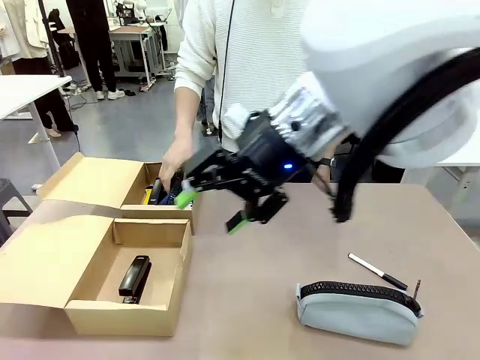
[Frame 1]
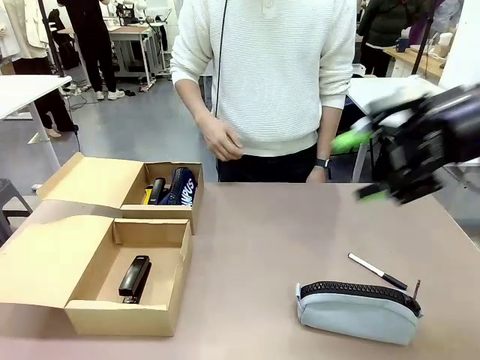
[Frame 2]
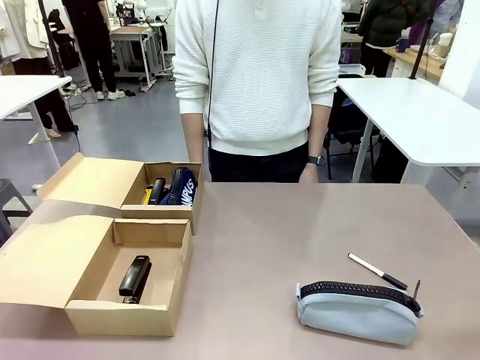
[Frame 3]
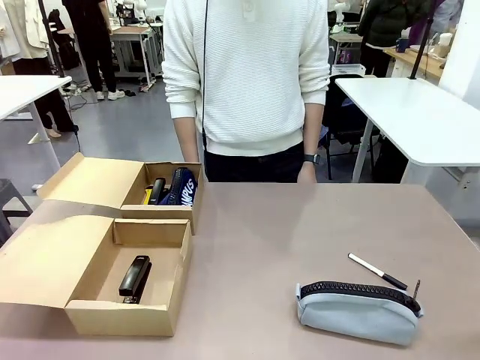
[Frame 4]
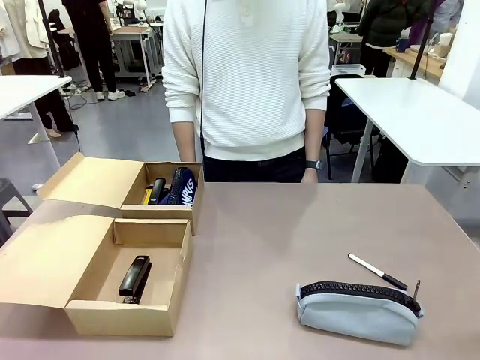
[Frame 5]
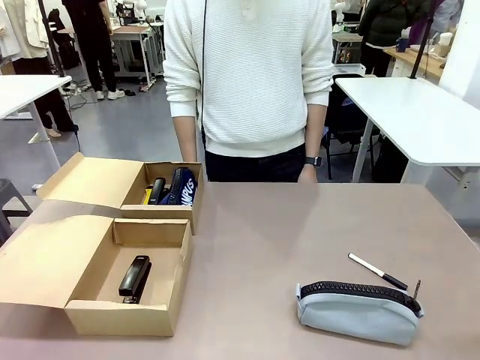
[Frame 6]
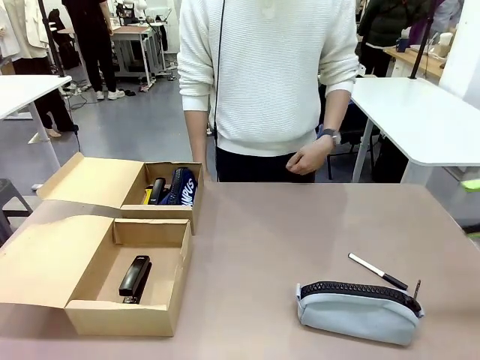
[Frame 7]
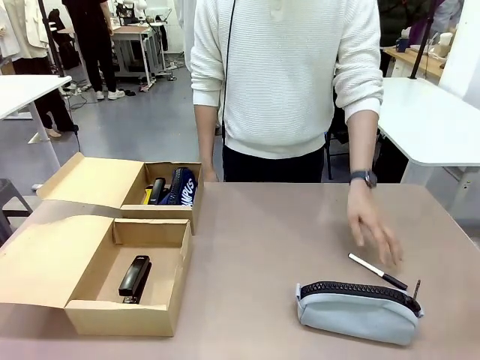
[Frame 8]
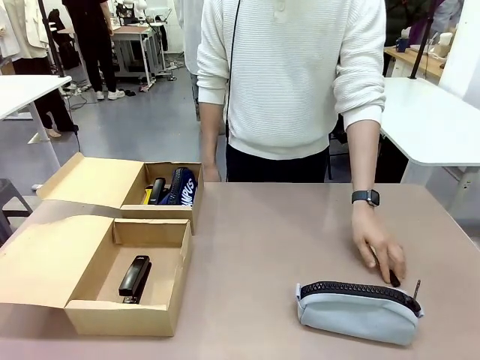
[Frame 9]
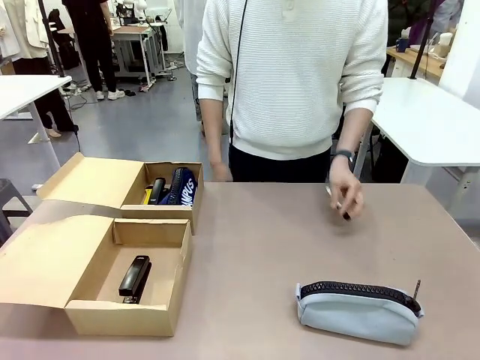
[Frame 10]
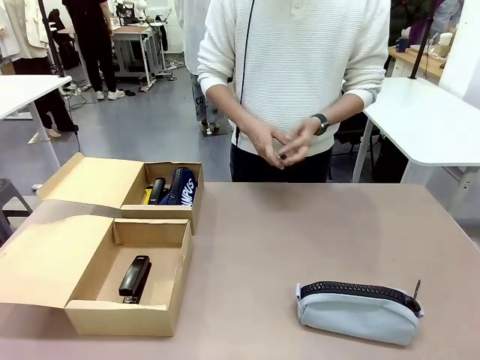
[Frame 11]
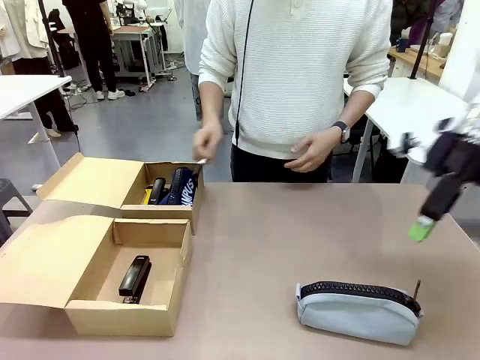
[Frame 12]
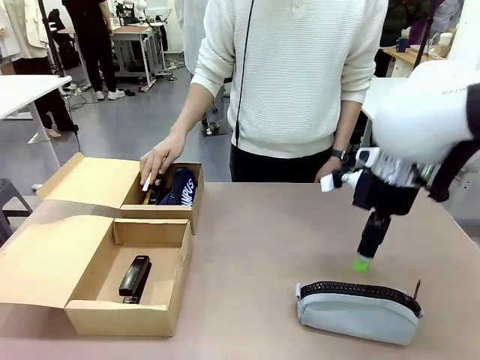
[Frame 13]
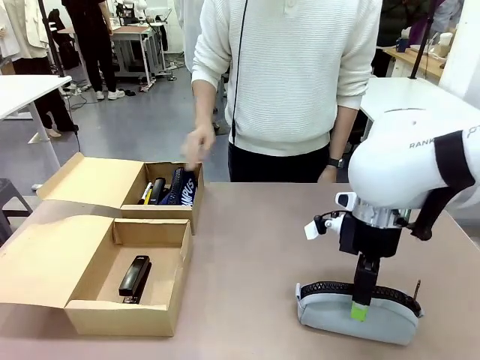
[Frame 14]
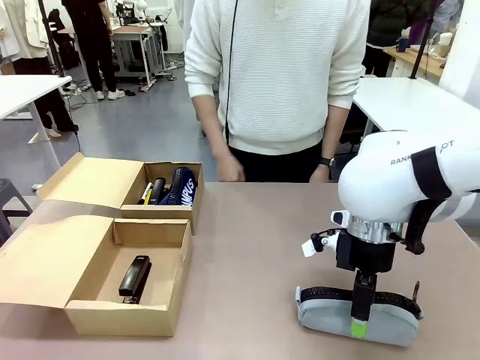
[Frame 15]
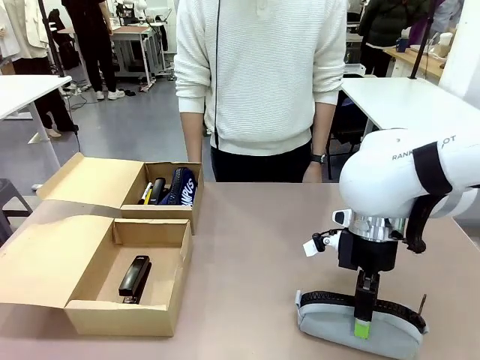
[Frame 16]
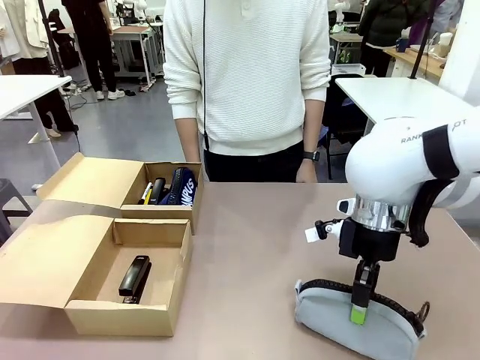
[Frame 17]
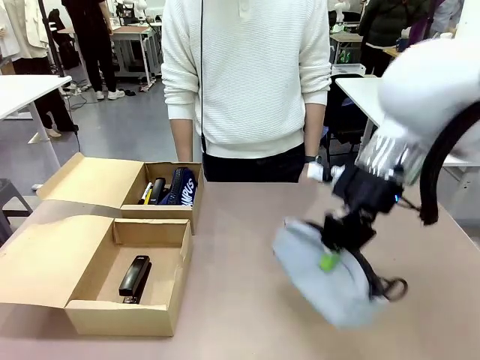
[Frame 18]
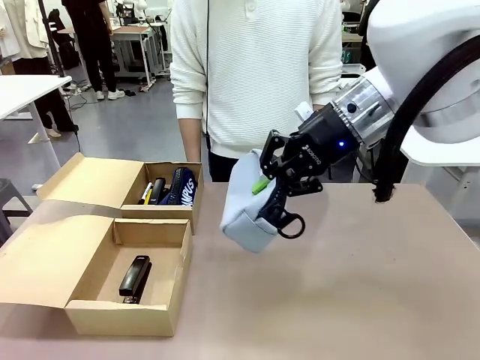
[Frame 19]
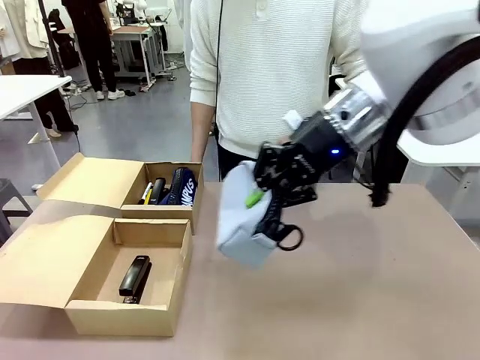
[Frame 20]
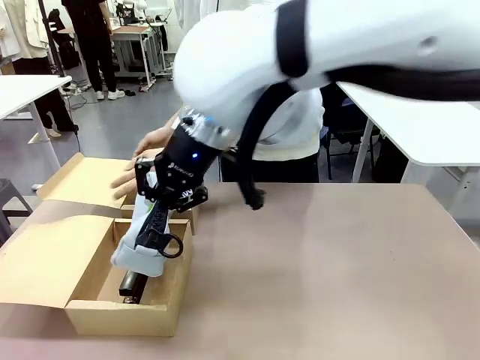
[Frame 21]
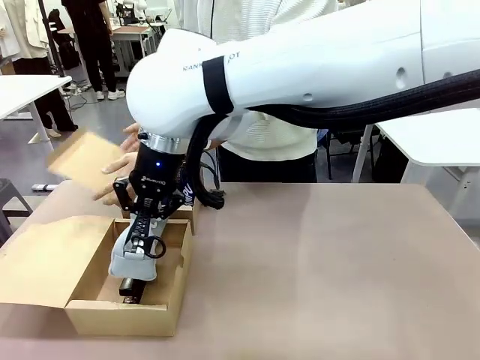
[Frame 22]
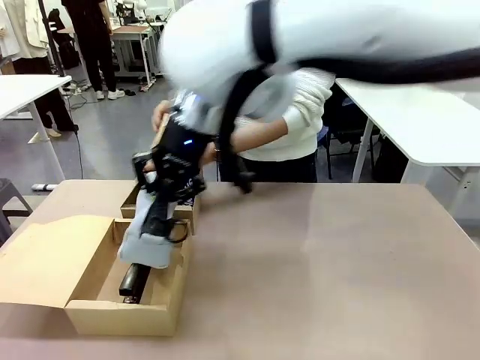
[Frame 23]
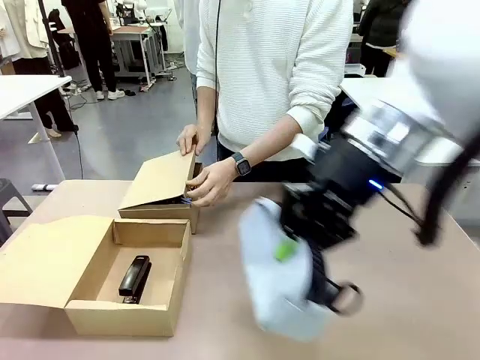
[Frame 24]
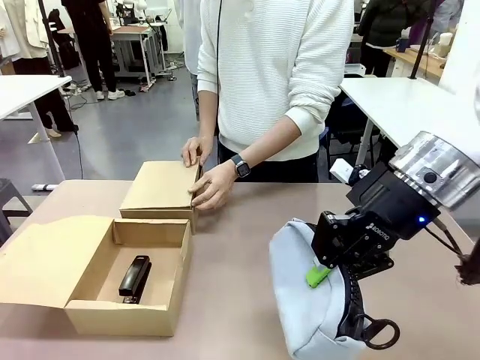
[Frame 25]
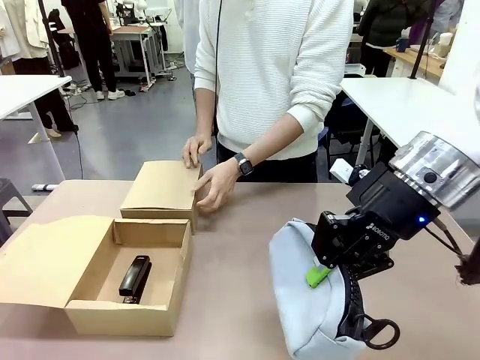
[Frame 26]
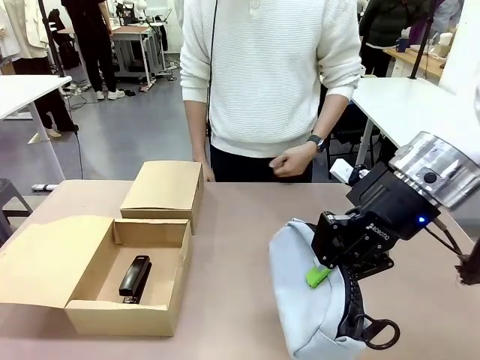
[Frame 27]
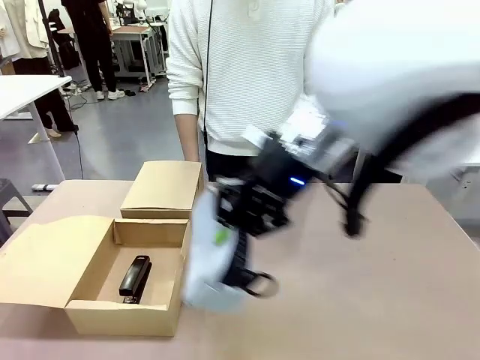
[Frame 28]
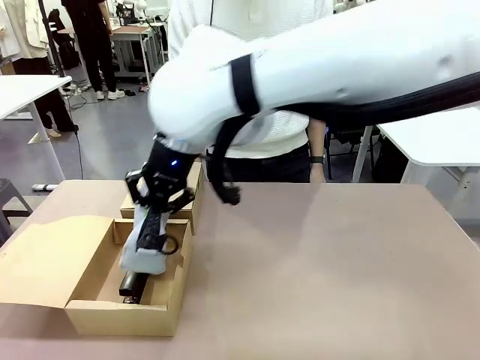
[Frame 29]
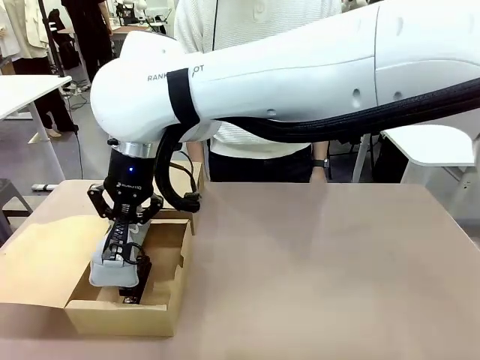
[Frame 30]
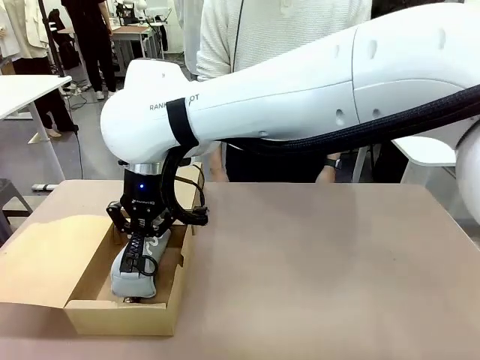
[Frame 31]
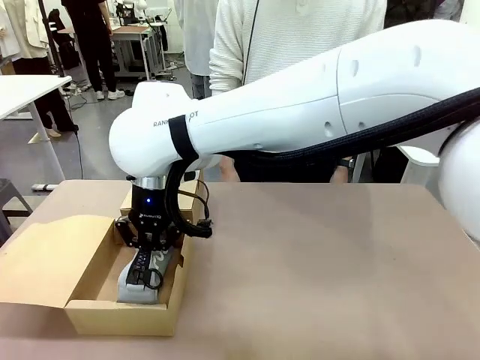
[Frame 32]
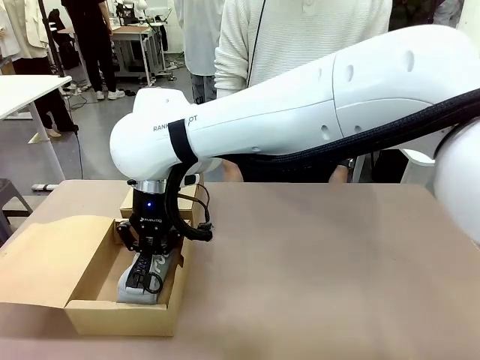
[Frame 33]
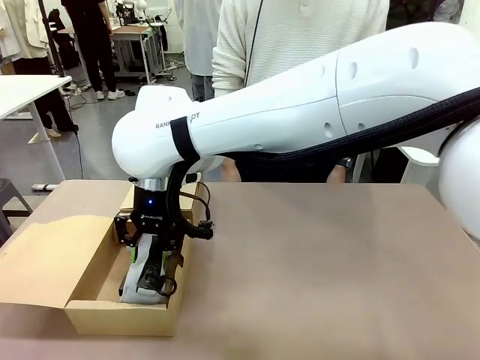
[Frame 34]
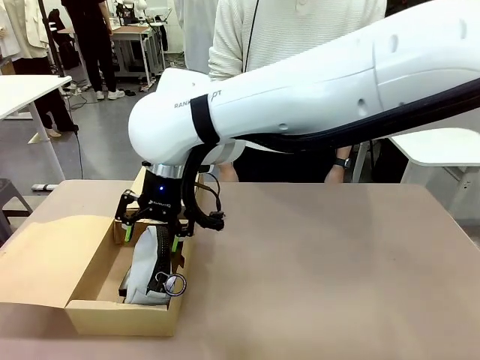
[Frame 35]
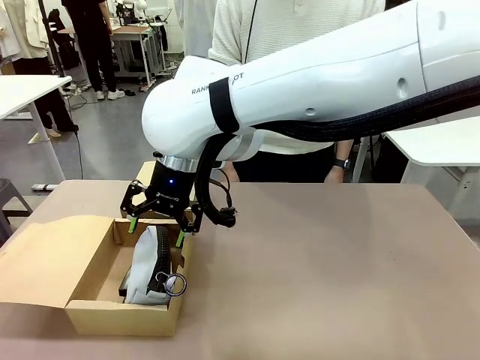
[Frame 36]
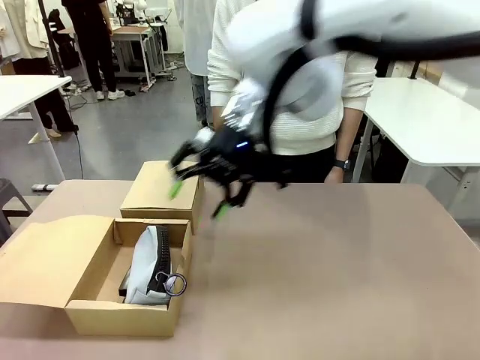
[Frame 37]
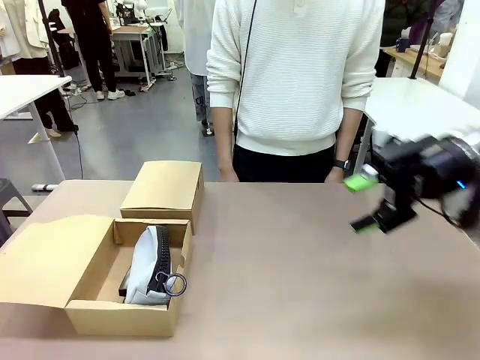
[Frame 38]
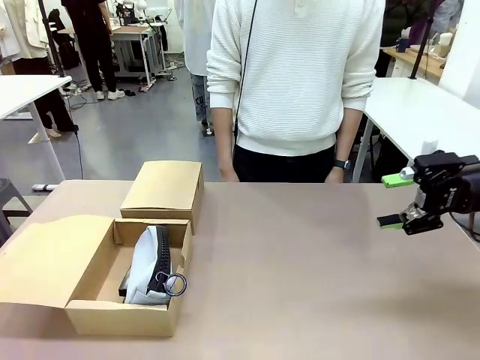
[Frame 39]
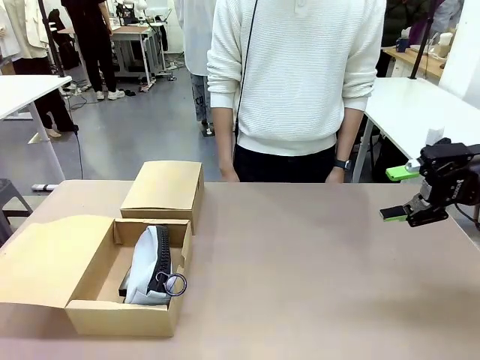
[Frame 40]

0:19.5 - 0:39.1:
Task: Place items inside the box.
Robot: Pick up a Pencil pouch or Stapler and place it inside the Mailer Box closest to the robot.

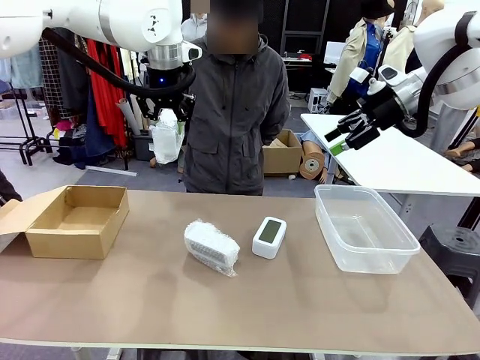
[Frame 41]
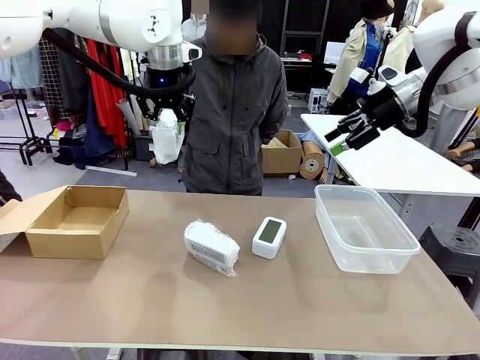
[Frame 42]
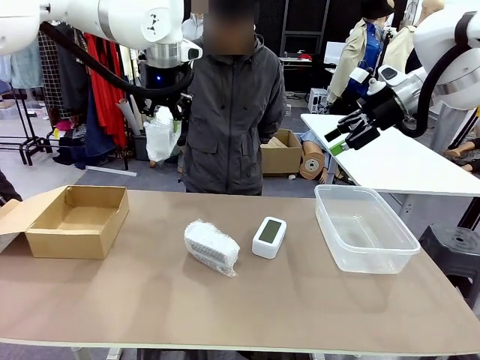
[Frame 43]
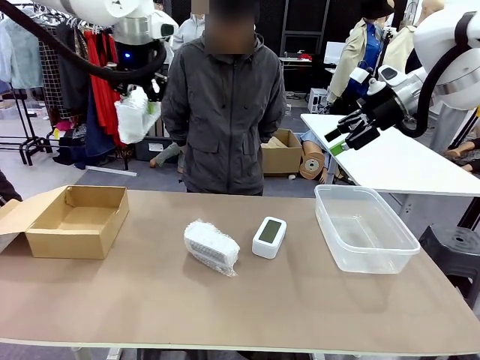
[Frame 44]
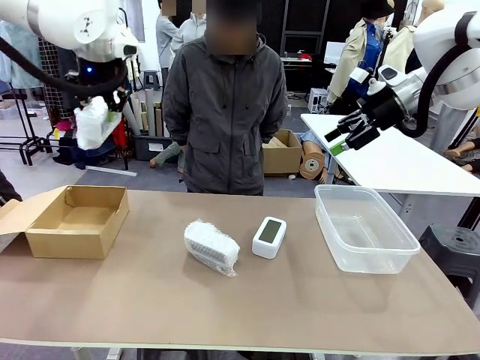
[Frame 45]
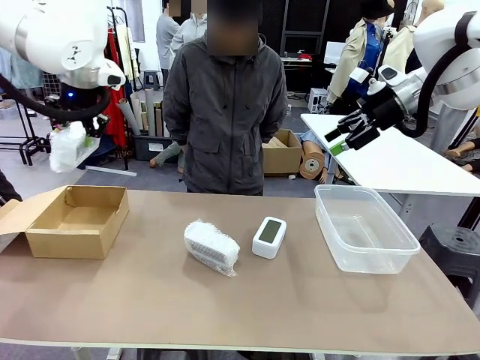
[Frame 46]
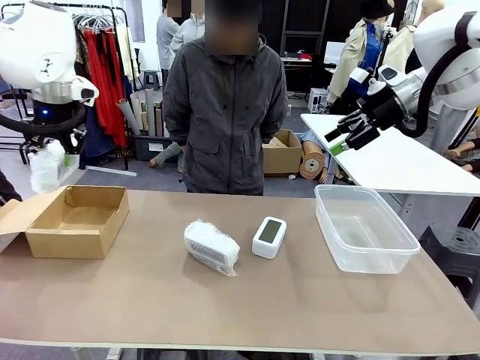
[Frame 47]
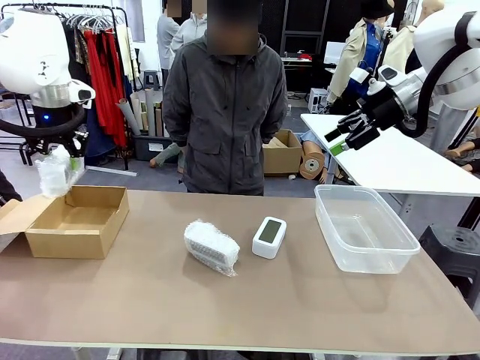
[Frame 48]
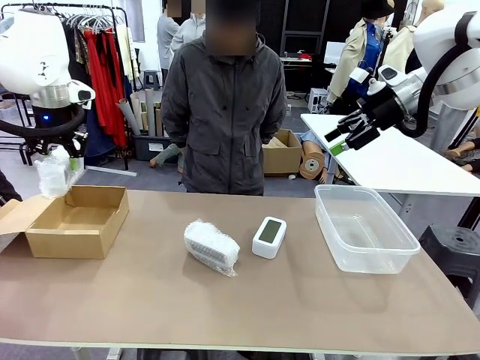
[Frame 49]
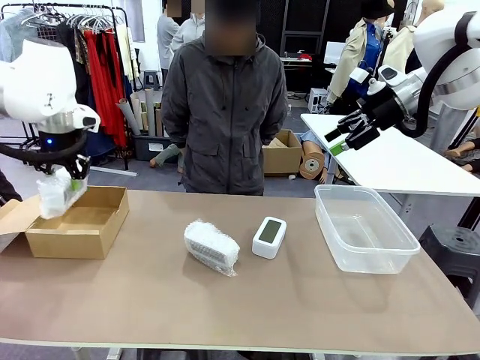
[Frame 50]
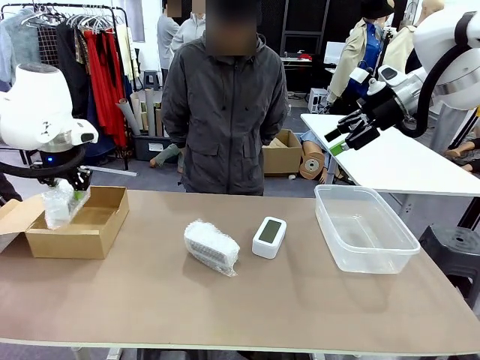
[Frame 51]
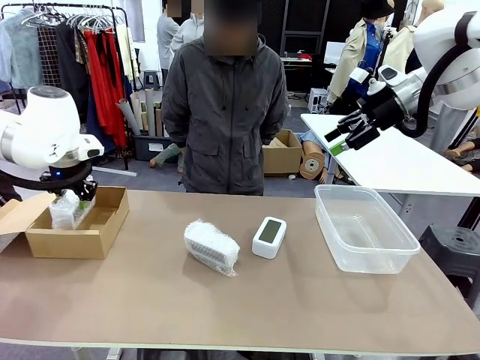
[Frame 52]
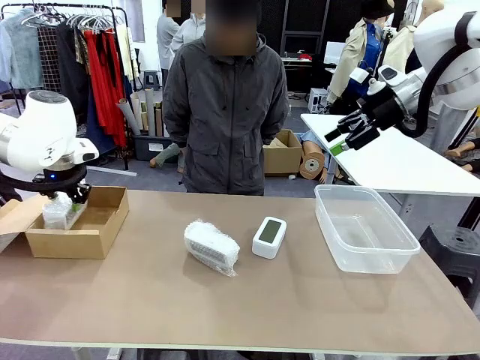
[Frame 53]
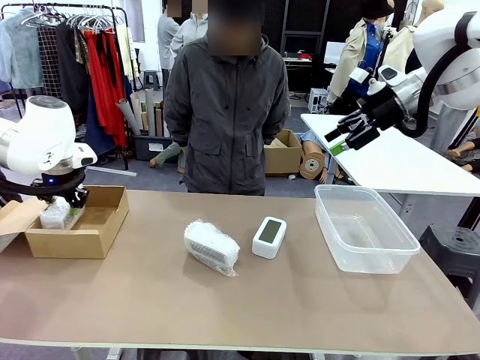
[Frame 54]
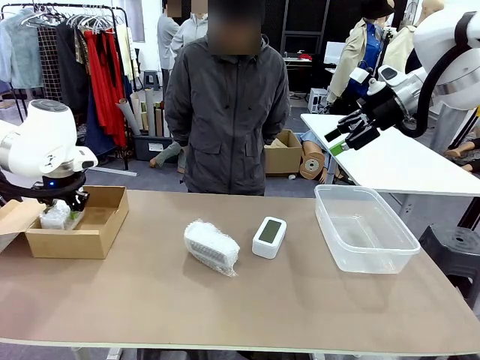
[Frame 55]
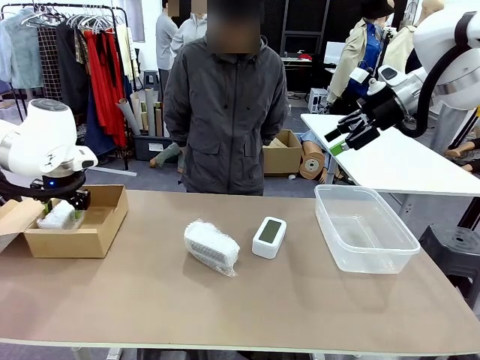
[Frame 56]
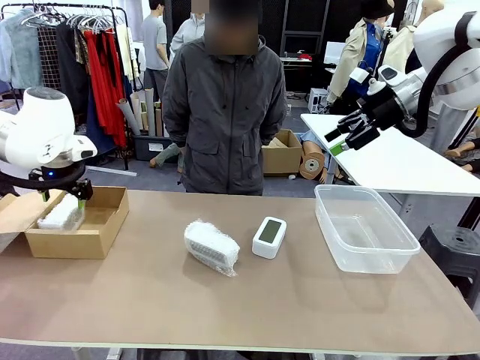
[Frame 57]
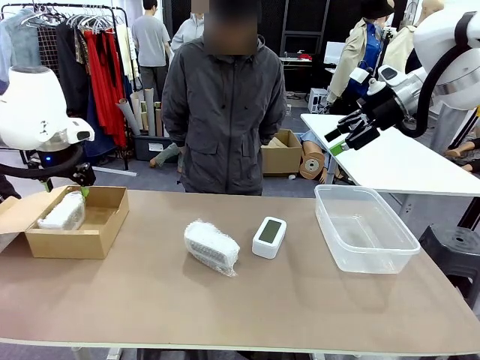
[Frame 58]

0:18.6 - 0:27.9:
Task: Separate and place wrapped and unwrapped clocks.
Robot: If the picked Digital clock is wrapped, place it in the Package Box ; if not, place it in the Organizing box.
